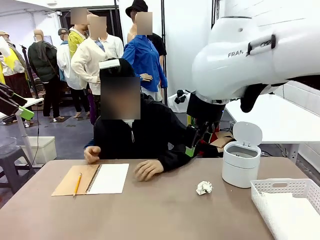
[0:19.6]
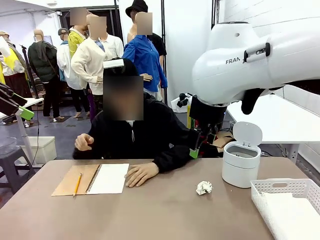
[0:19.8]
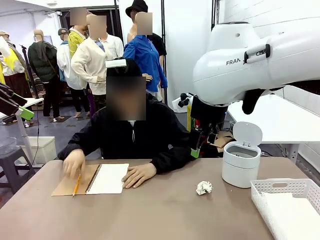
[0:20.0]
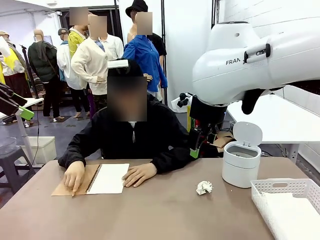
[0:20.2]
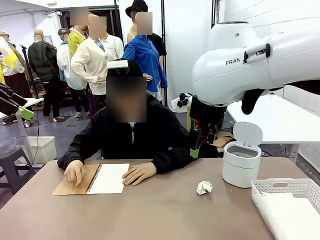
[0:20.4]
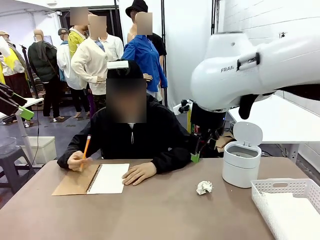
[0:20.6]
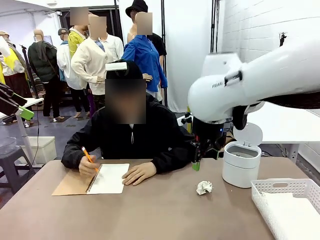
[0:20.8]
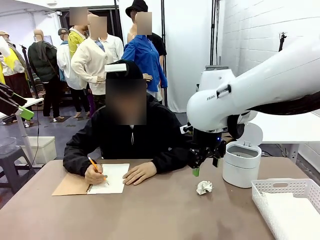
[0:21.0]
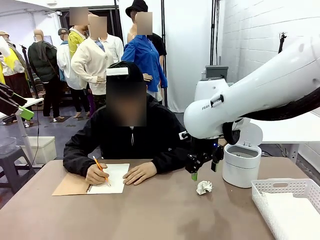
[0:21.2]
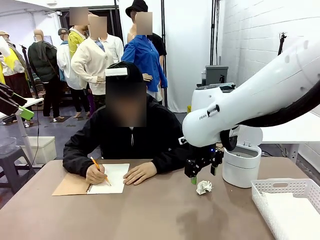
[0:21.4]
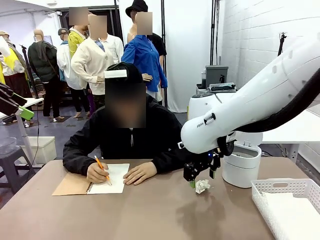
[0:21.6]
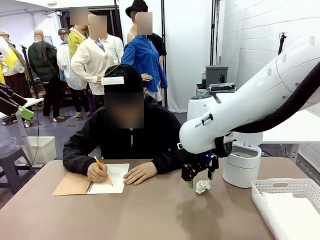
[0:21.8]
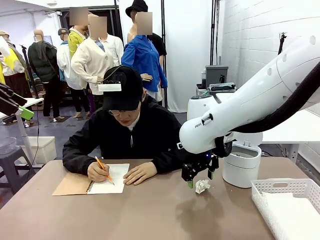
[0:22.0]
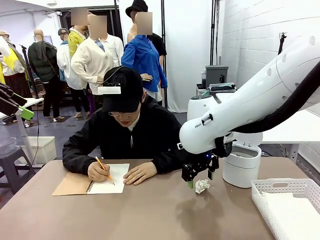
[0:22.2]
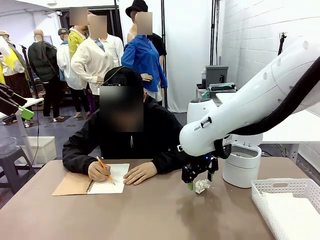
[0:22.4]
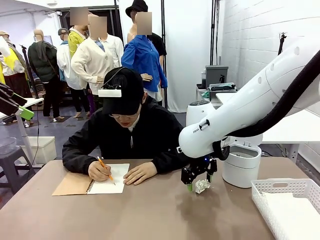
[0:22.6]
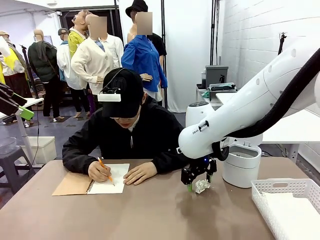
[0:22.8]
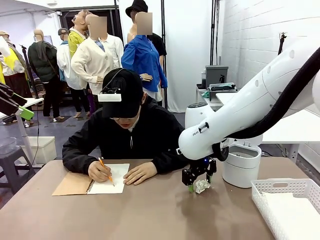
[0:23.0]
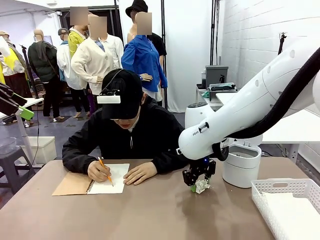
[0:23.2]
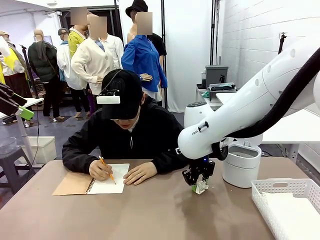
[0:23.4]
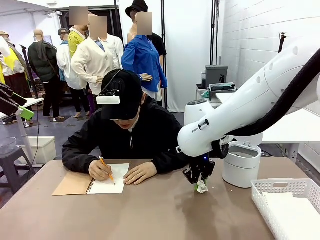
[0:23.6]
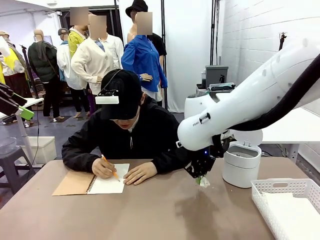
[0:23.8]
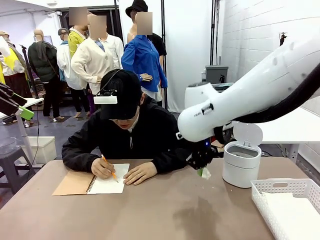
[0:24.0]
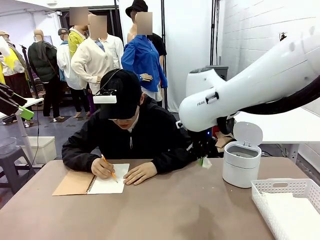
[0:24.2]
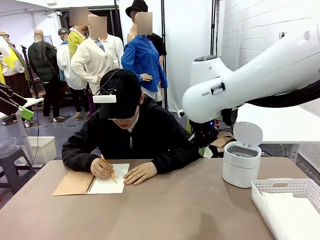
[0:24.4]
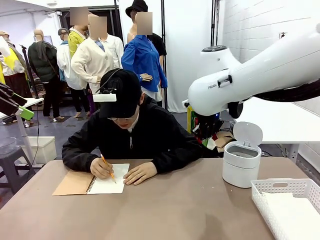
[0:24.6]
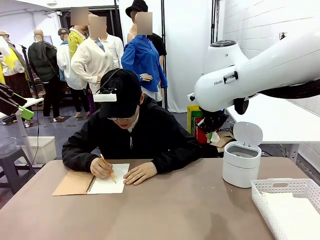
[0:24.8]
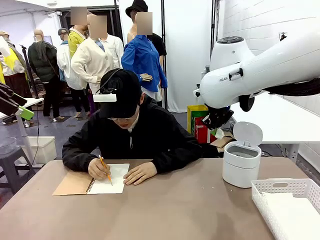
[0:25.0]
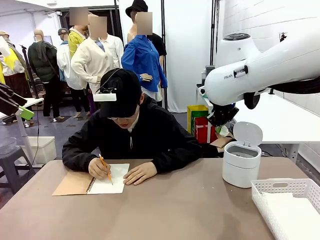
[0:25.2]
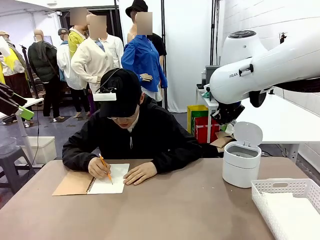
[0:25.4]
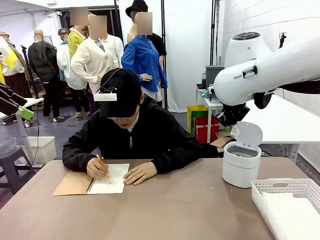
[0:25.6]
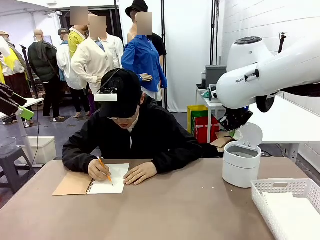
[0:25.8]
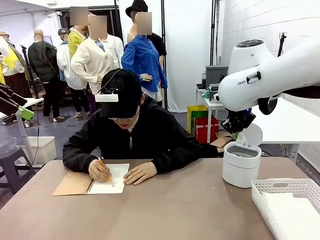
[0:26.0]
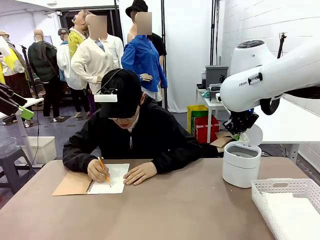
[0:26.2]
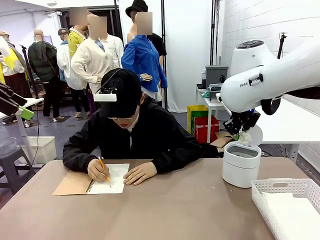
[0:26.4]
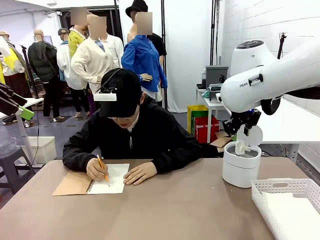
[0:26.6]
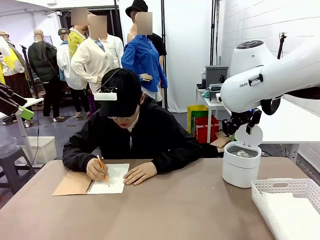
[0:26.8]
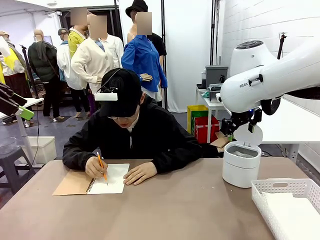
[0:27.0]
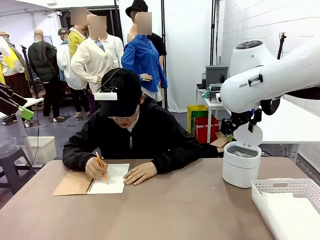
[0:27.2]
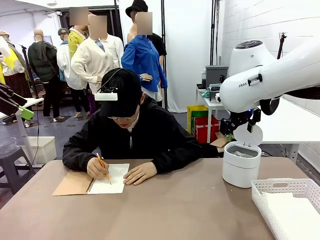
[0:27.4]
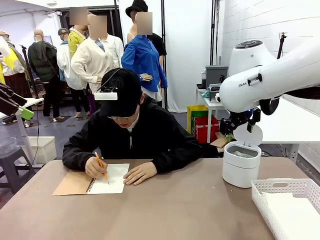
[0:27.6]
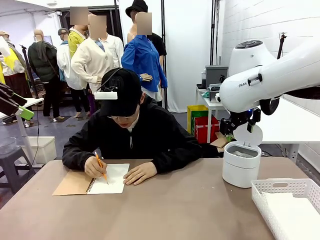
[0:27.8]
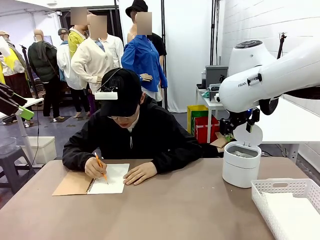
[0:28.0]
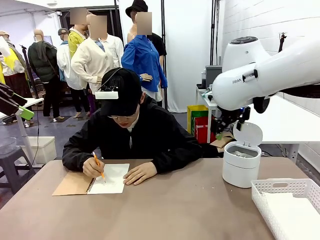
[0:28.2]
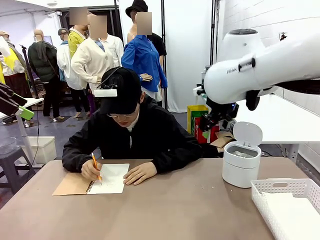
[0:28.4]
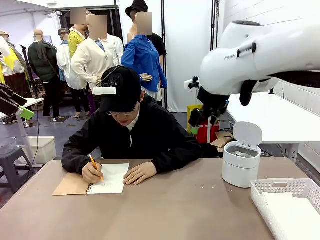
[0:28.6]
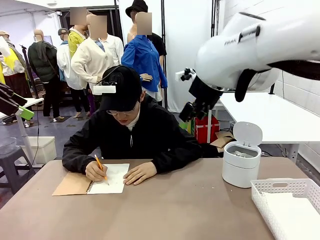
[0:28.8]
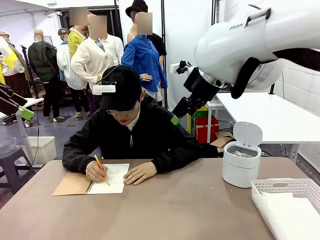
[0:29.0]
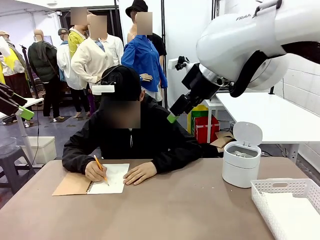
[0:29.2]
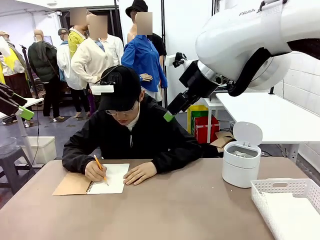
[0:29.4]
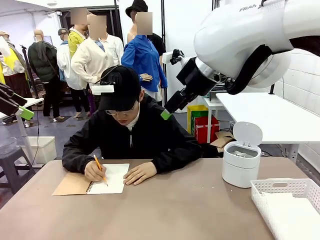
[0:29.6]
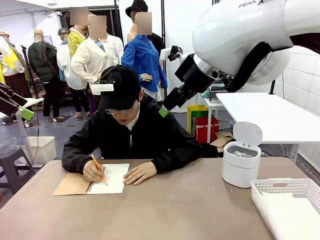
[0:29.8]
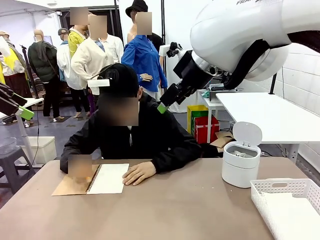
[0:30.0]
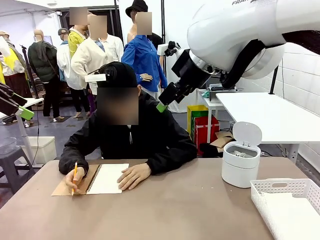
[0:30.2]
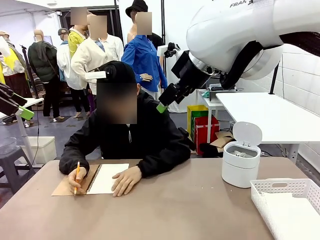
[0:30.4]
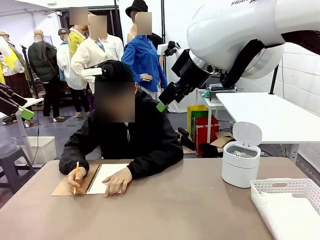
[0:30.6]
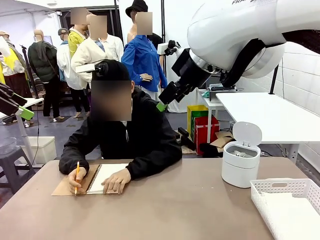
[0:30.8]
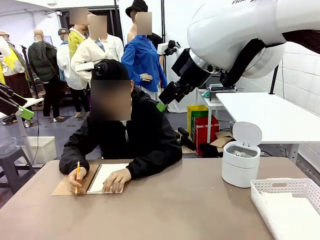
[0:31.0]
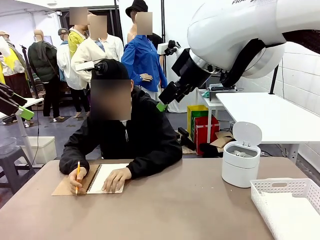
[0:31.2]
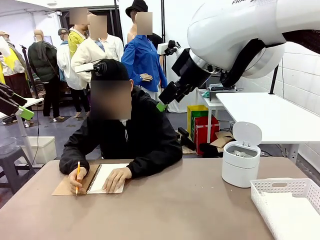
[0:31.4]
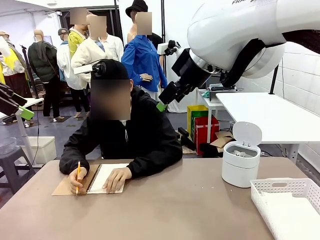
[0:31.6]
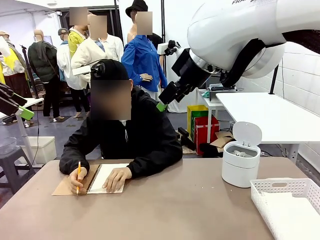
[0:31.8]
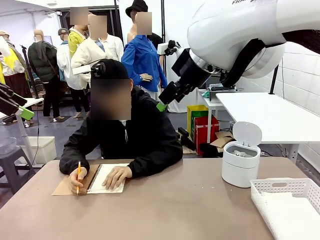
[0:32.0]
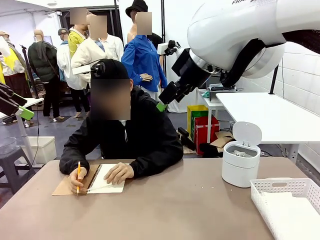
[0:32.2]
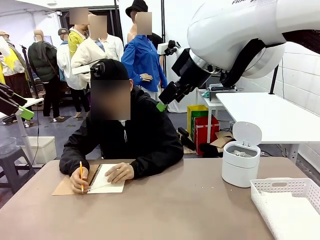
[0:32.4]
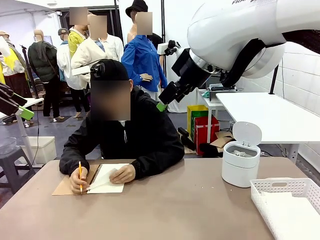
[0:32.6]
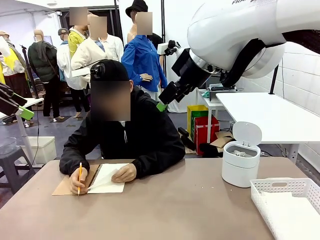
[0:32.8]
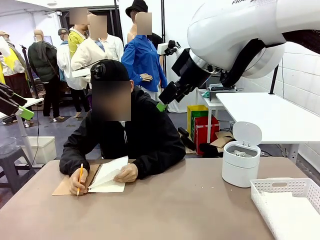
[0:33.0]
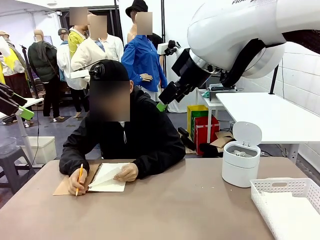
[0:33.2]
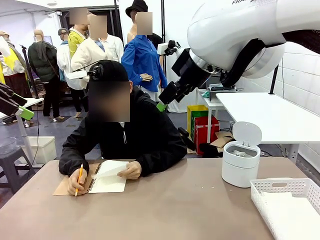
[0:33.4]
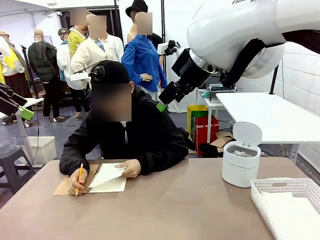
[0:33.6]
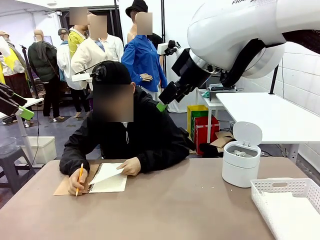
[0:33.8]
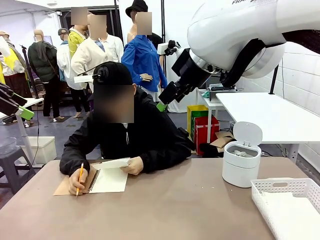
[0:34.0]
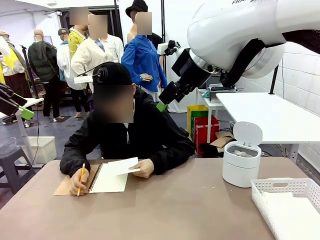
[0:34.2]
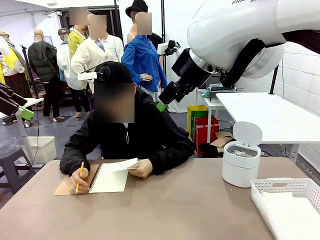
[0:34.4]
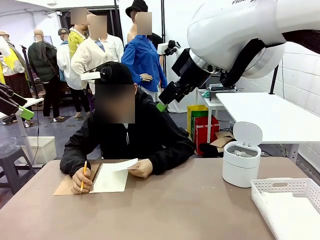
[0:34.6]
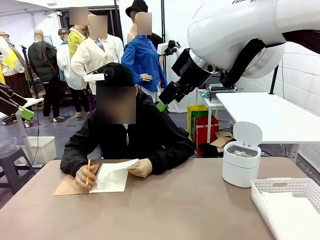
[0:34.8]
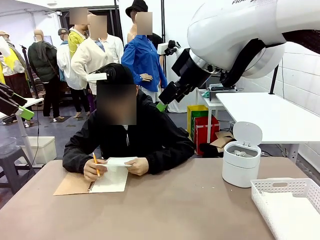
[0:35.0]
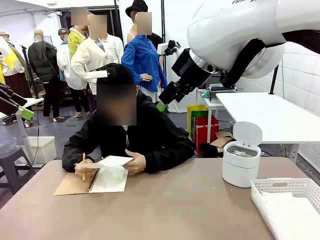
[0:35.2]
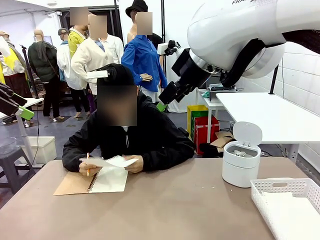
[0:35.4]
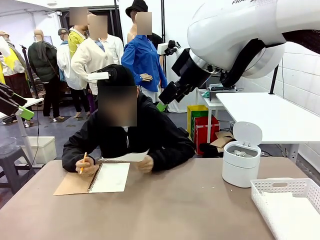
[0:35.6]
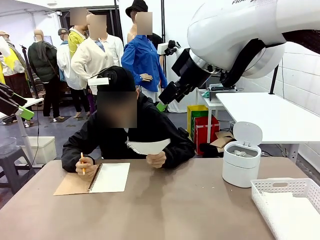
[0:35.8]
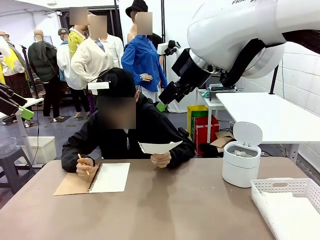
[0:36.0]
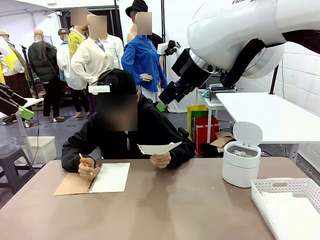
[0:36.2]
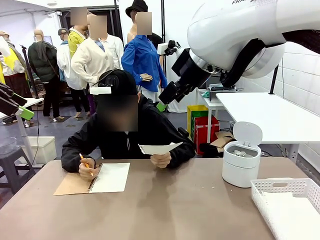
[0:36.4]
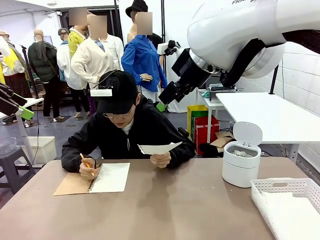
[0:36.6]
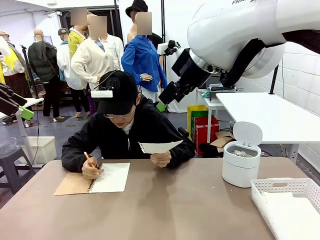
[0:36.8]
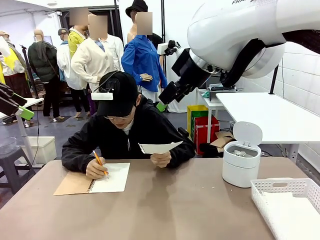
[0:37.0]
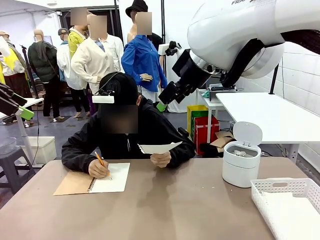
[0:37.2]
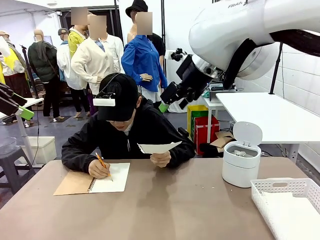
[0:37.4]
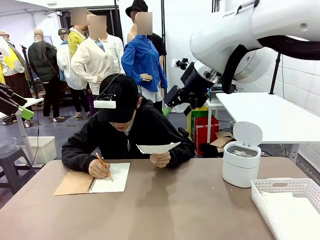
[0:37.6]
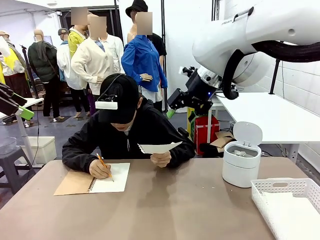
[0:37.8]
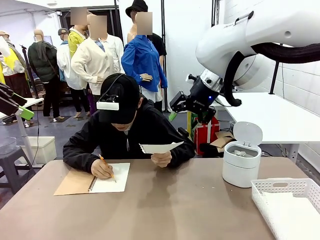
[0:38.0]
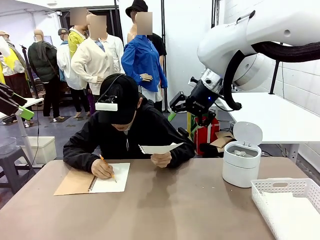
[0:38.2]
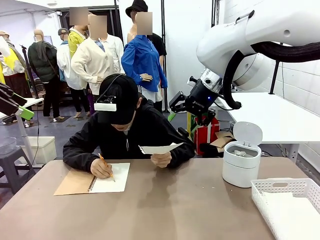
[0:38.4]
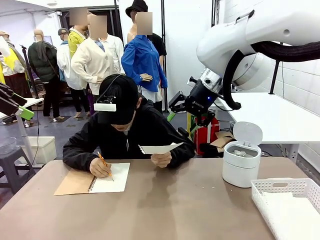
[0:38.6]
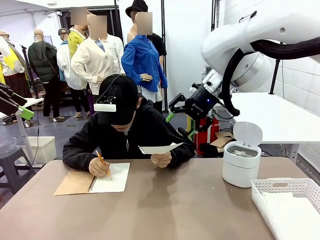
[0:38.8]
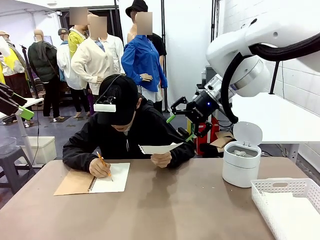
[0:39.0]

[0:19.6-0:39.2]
Task: Sort the paper based on its condition.
Robot: If a person hands you a paper, place it in the Organizing basket , and if it's crumpled, put it in the Trash can.
Person: Tear out a page from the spiral notebook. Hand the torn page to the robot or crumple it and throw it to the center of the table.
